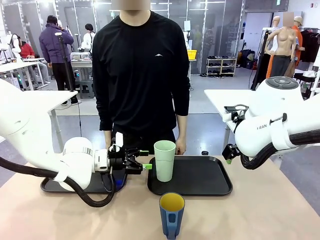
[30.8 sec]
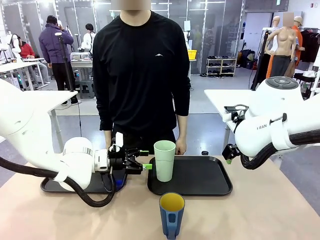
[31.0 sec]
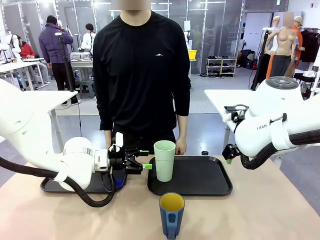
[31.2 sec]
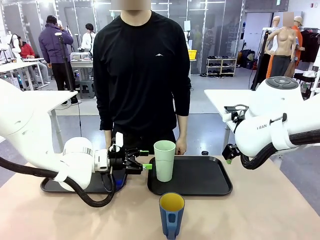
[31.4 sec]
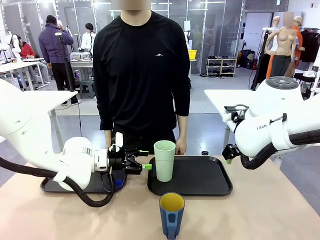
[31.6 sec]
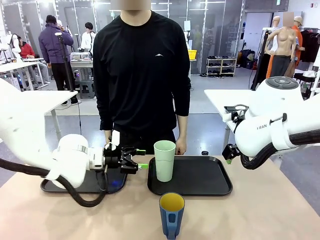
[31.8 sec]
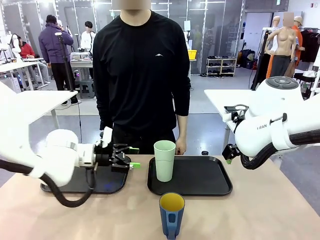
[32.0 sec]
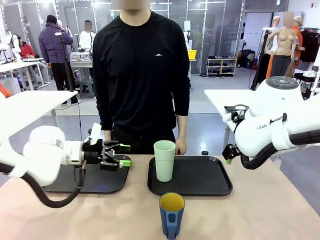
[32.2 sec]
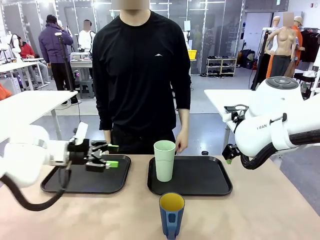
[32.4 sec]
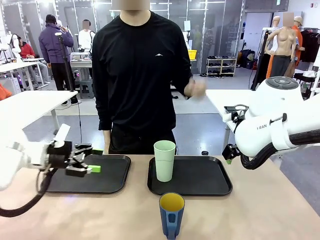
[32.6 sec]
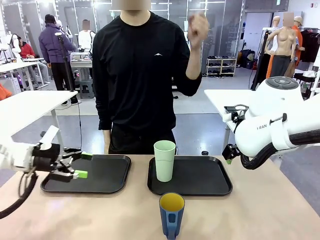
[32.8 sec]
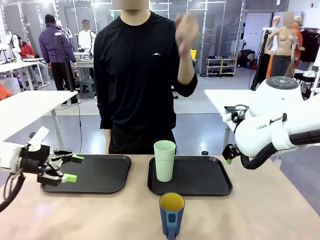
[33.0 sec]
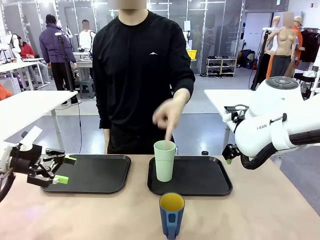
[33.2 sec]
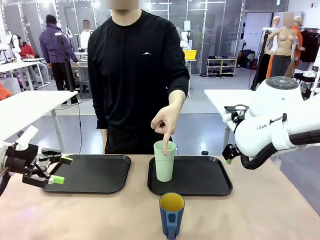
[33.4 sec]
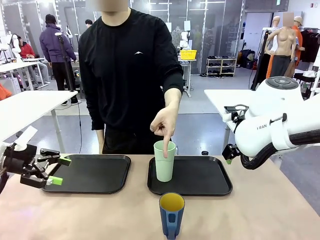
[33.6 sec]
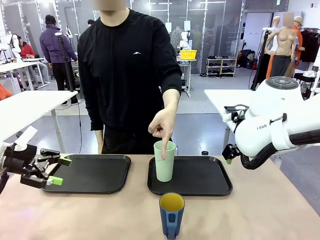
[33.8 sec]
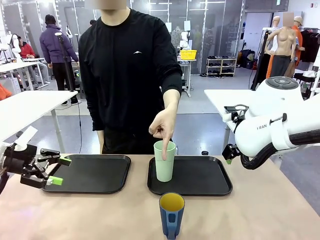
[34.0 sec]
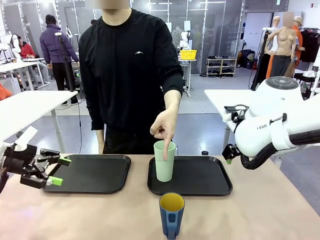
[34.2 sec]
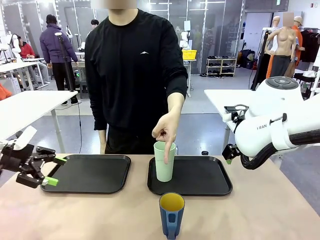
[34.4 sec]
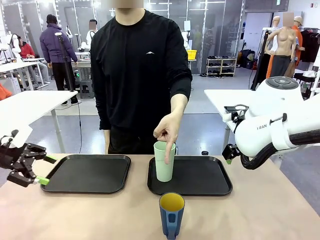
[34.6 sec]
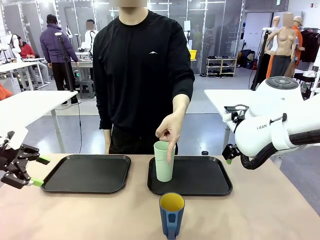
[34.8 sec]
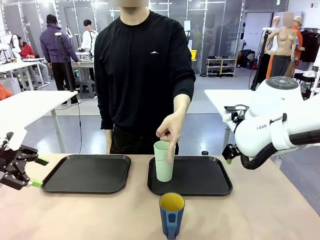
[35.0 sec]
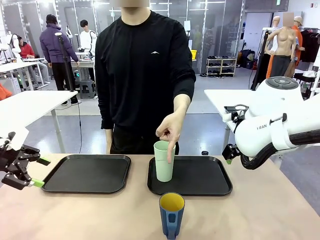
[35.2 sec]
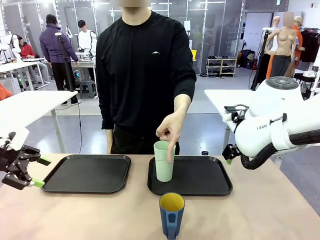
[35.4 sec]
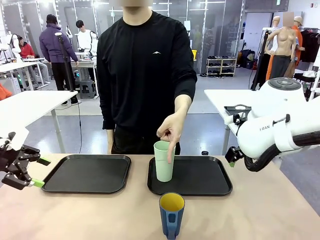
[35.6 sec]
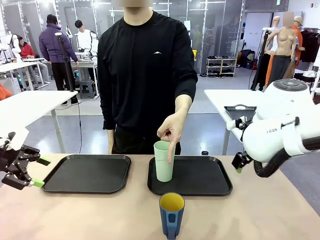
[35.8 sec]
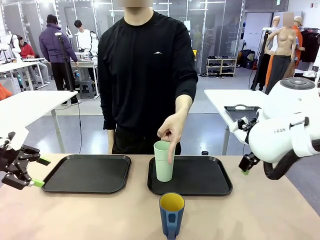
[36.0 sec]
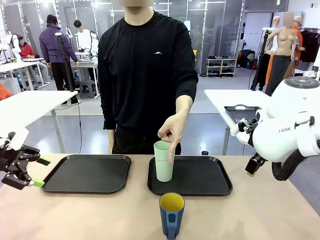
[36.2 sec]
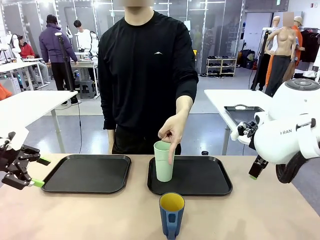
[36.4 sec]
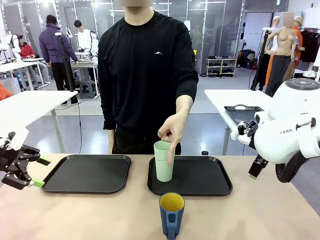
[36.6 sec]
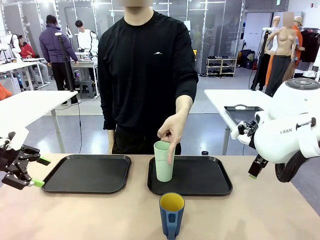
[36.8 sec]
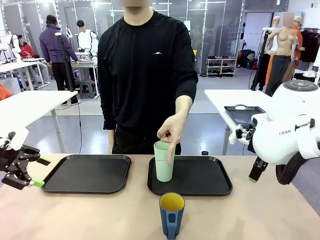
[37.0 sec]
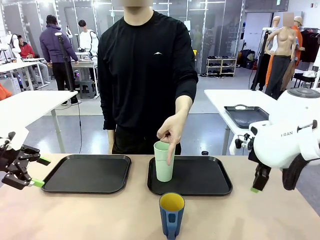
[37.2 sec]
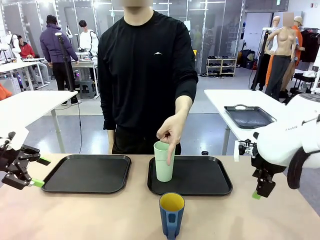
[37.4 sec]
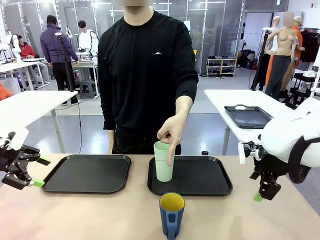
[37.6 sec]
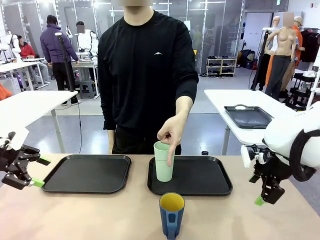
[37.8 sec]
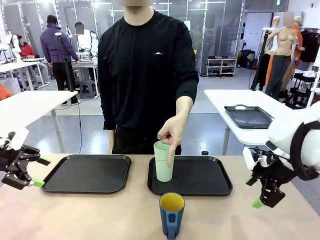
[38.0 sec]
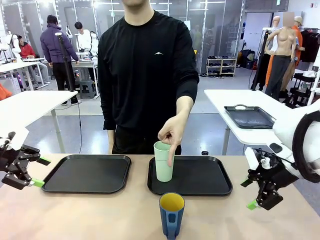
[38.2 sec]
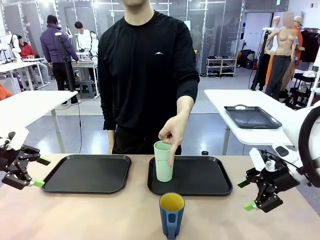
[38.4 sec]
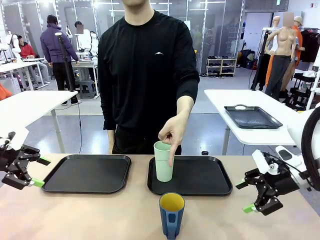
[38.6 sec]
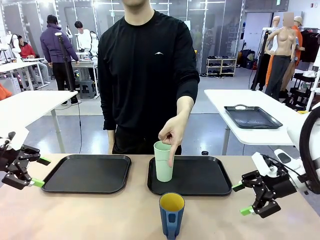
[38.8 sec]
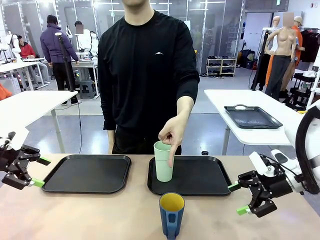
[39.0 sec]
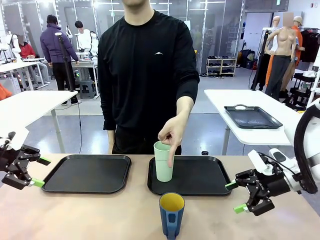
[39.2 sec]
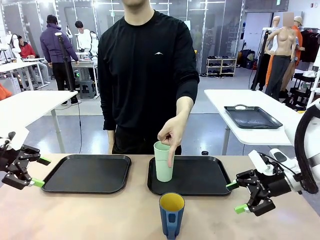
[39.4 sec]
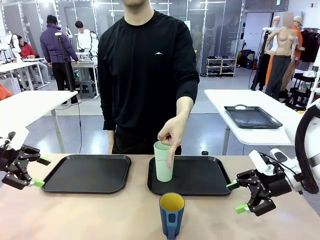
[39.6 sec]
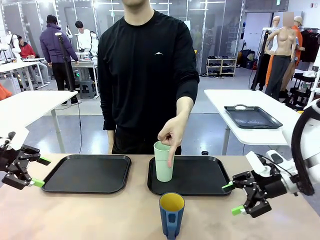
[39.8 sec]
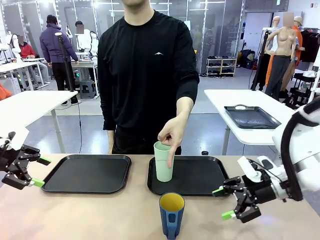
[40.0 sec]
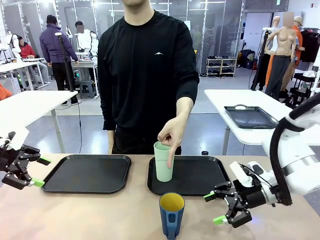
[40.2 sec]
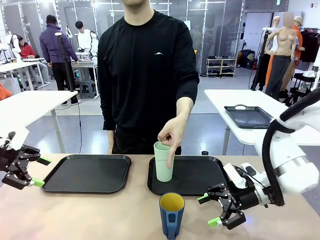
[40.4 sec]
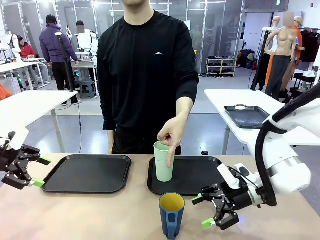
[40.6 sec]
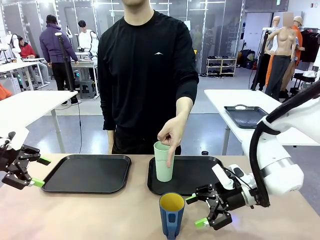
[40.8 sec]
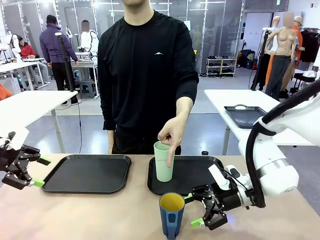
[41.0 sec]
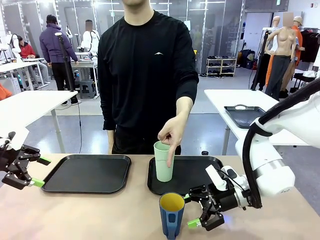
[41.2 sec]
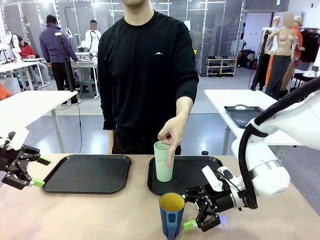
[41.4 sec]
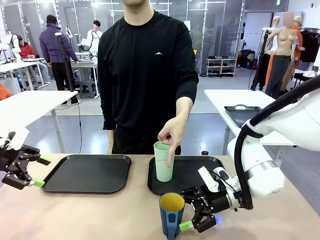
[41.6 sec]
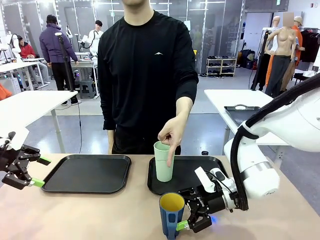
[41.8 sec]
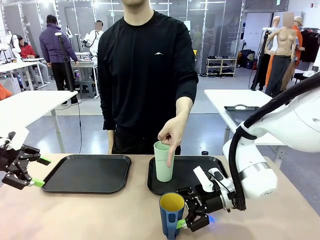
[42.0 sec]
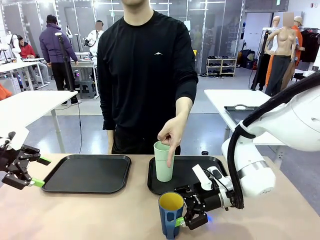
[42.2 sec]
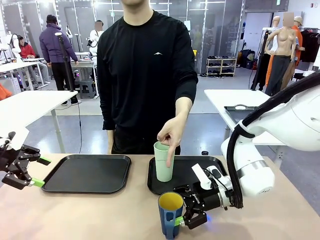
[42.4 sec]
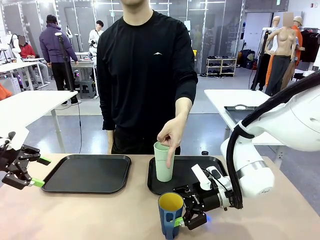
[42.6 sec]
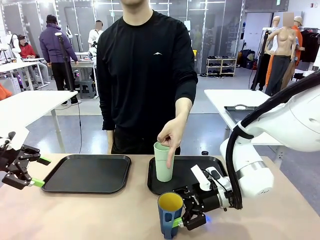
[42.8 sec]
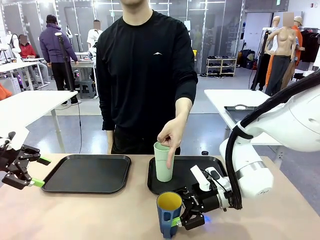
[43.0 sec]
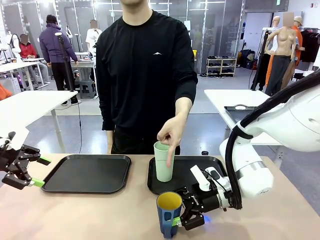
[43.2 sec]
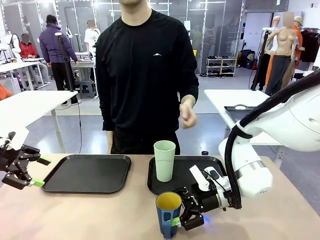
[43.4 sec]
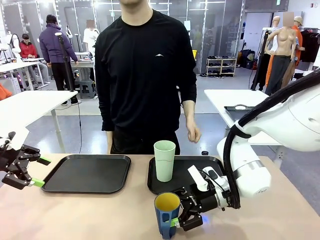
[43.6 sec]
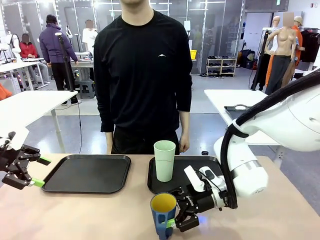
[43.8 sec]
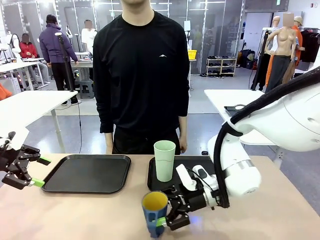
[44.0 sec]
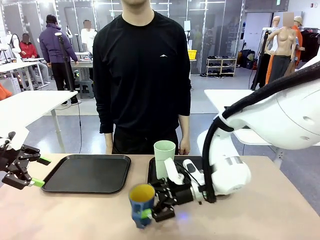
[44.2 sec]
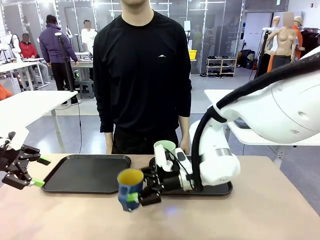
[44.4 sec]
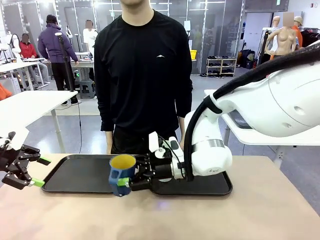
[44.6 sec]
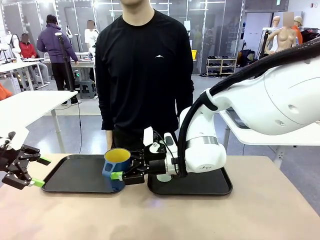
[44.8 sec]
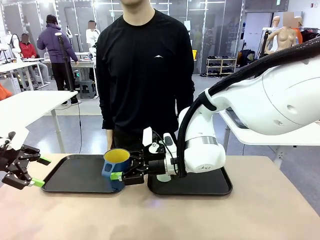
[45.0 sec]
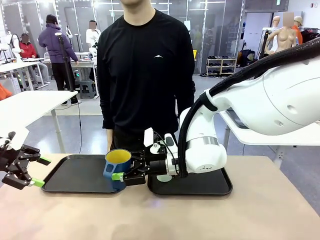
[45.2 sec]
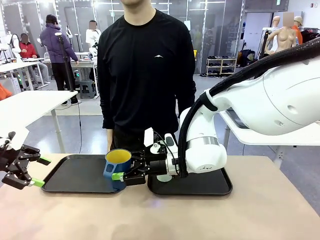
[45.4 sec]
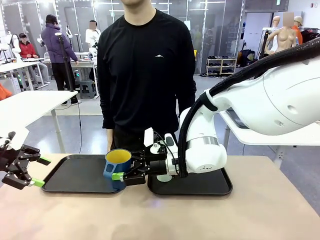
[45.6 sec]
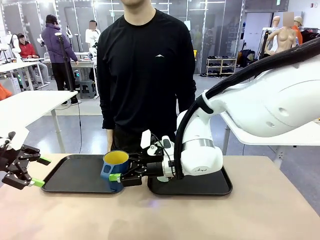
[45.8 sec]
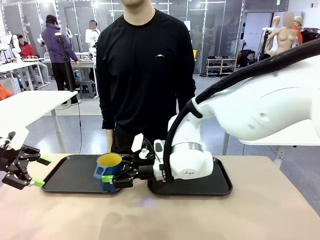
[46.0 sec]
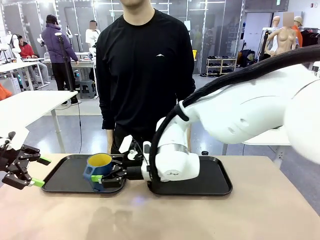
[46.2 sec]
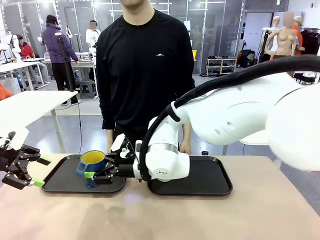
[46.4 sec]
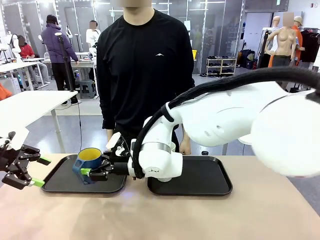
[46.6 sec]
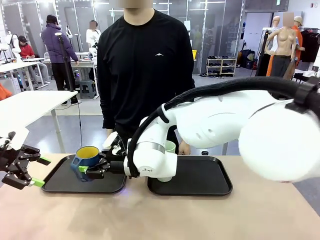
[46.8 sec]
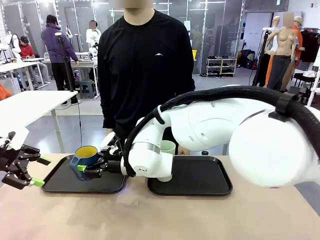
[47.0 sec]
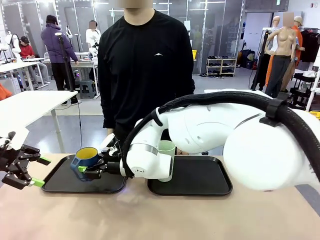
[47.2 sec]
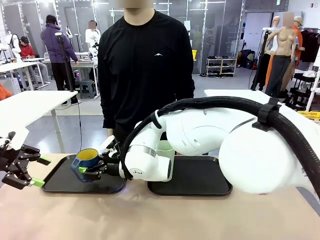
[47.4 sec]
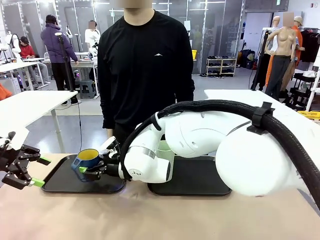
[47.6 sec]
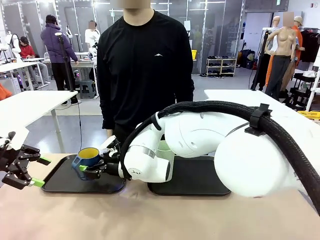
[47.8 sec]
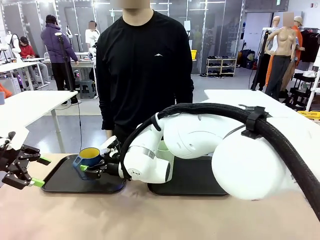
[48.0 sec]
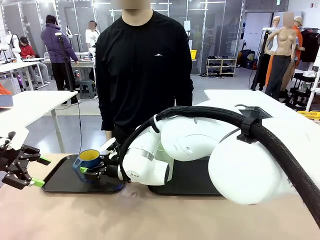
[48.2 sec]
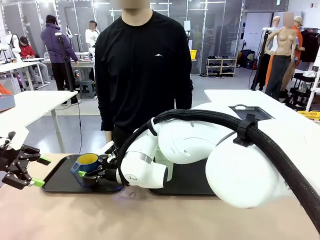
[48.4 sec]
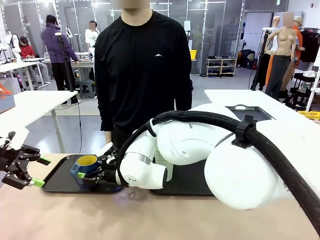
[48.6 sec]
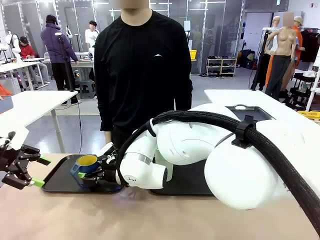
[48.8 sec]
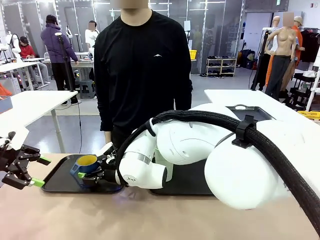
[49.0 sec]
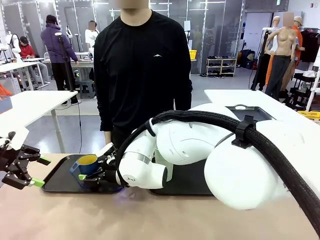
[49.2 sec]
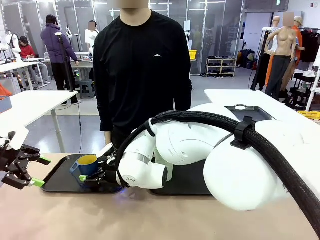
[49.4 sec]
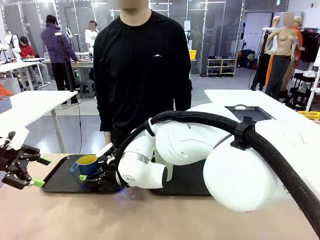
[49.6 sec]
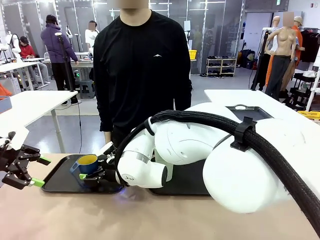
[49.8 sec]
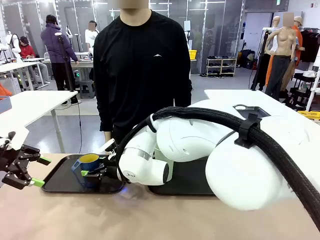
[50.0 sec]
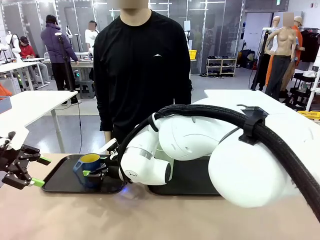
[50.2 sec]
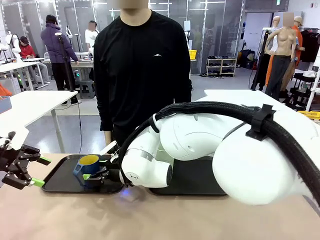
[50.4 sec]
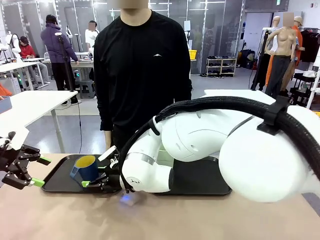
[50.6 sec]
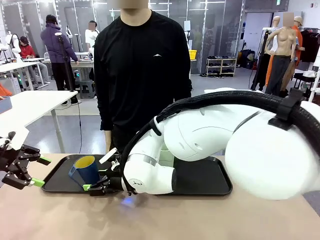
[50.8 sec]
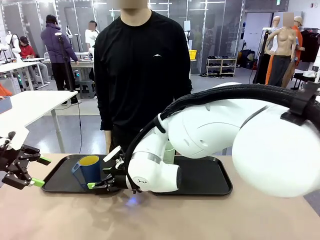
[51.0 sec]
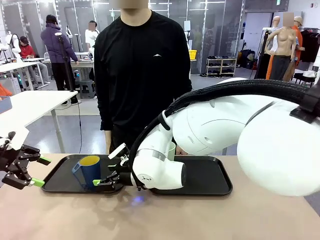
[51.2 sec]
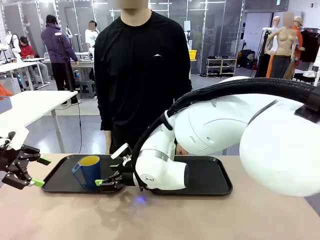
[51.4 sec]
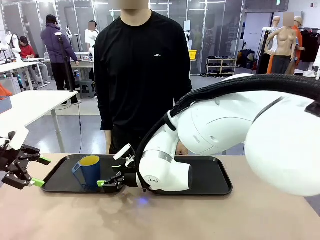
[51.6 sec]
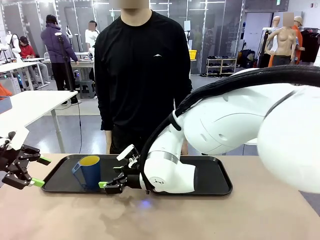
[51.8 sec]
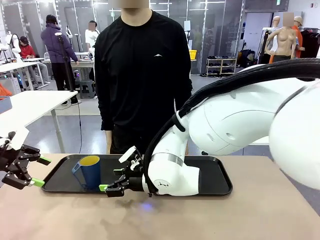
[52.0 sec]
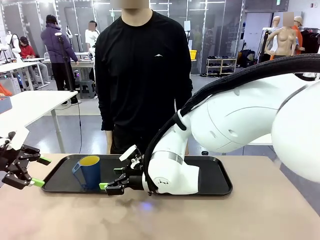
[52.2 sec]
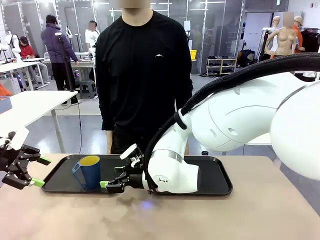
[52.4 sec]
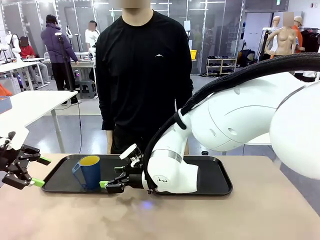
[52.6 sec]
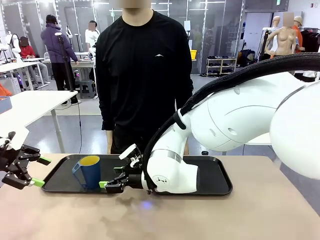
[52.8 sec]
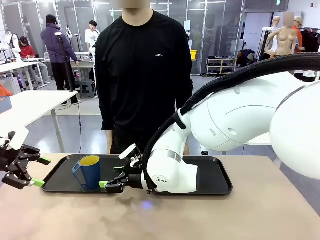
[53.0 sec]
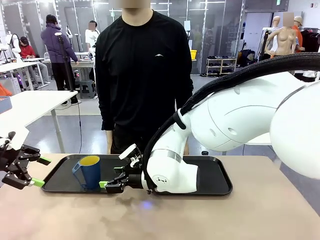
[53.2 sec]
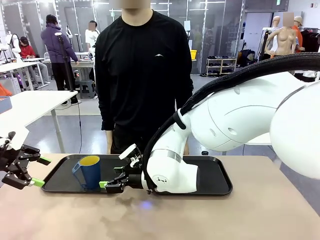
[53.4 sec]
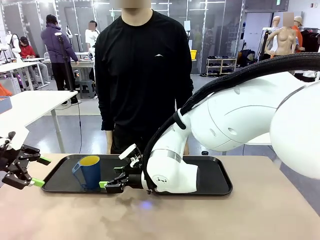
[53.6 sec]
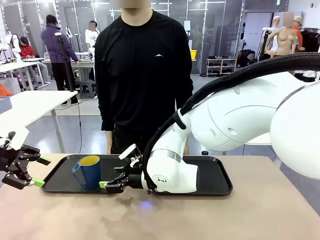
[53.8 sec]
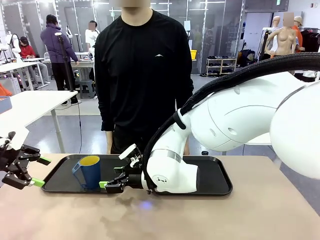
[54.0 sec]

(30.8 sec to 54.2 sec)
Task: Sort and store the cups by type.
Robot: Pick up the Handle plastic cup and place it into the empty Flat Tray.
Person: Points to the cup with a handle.
